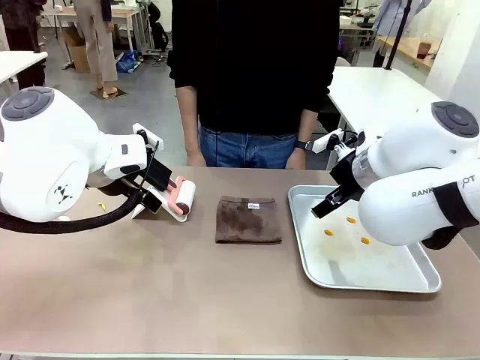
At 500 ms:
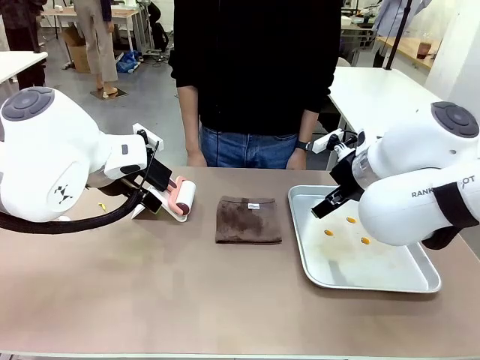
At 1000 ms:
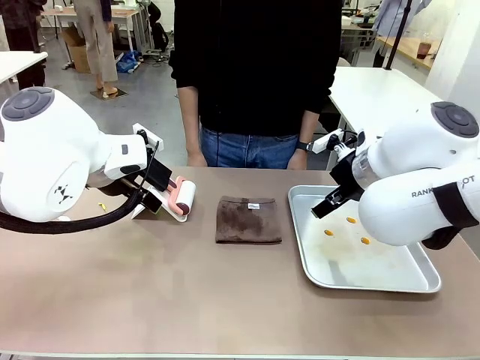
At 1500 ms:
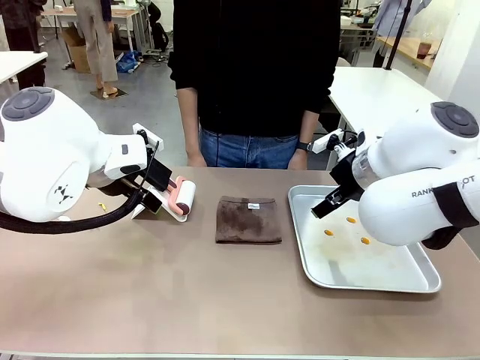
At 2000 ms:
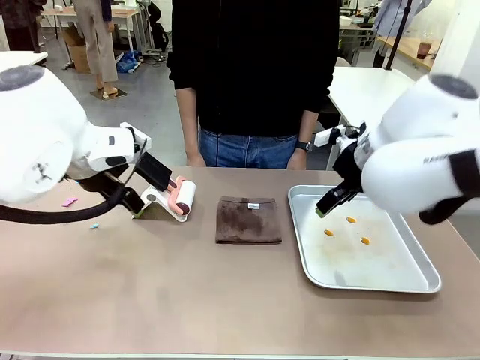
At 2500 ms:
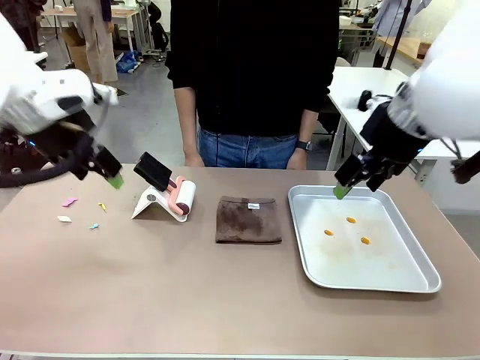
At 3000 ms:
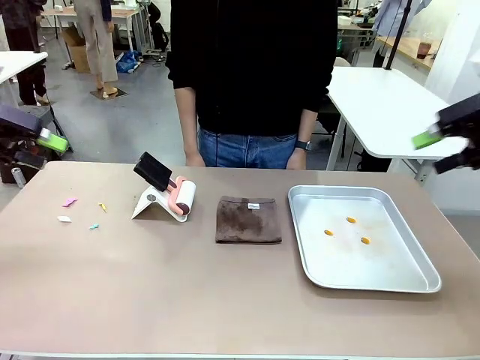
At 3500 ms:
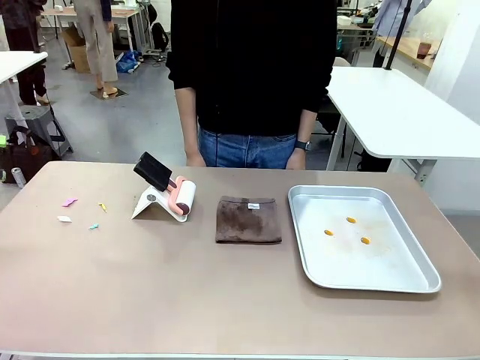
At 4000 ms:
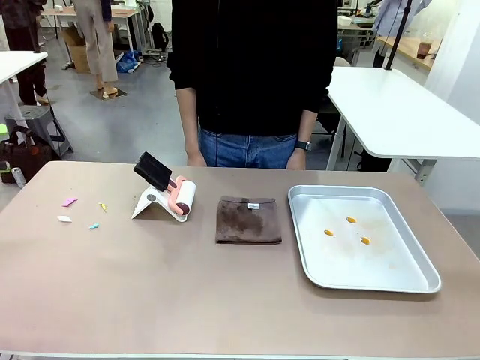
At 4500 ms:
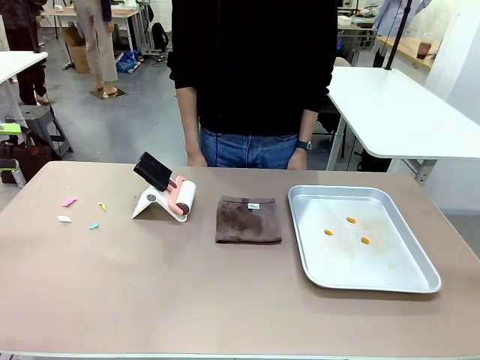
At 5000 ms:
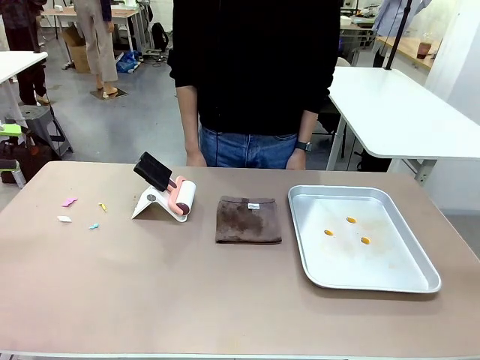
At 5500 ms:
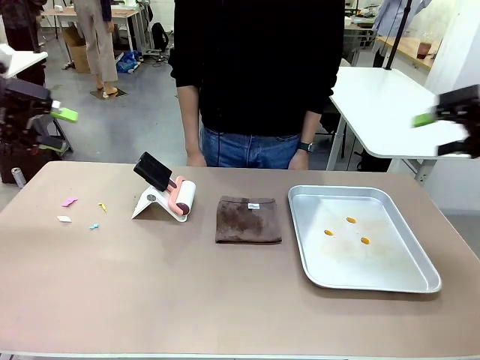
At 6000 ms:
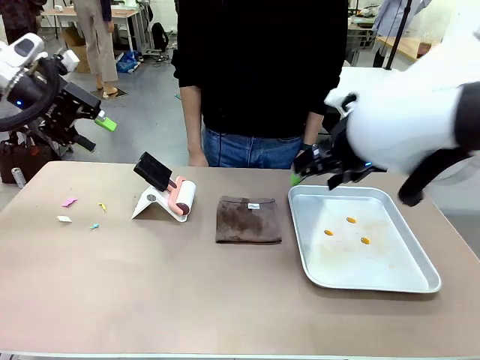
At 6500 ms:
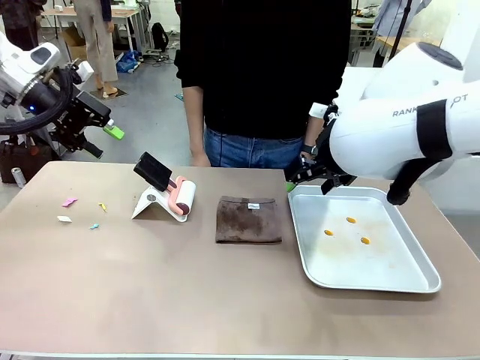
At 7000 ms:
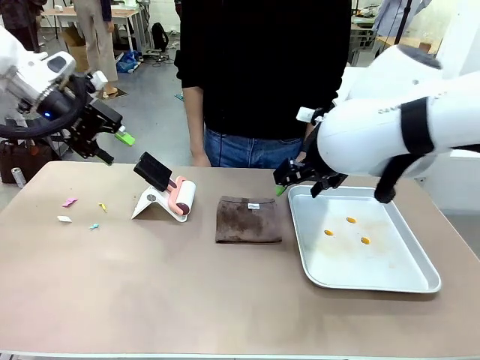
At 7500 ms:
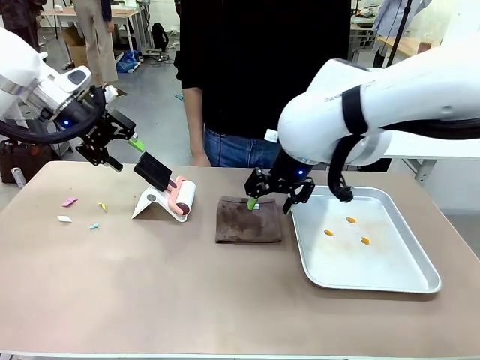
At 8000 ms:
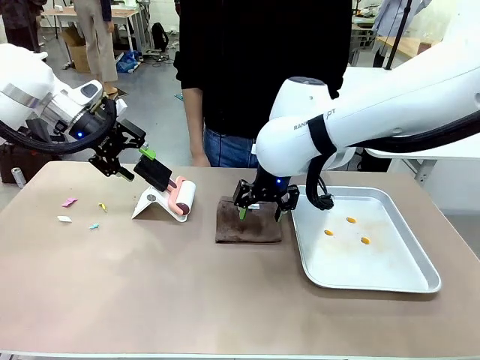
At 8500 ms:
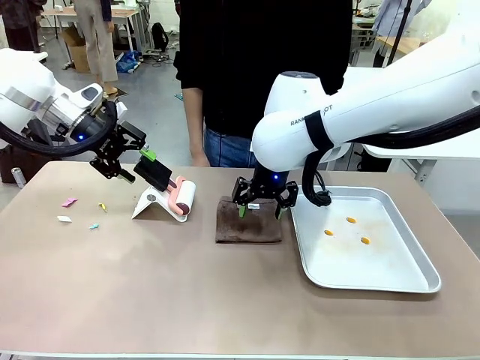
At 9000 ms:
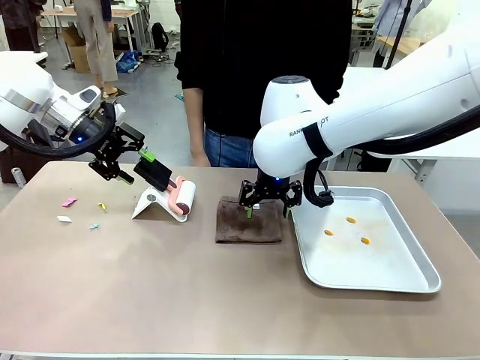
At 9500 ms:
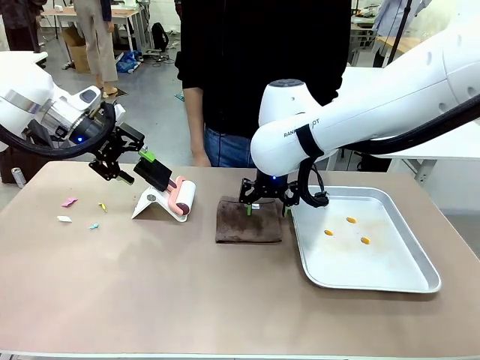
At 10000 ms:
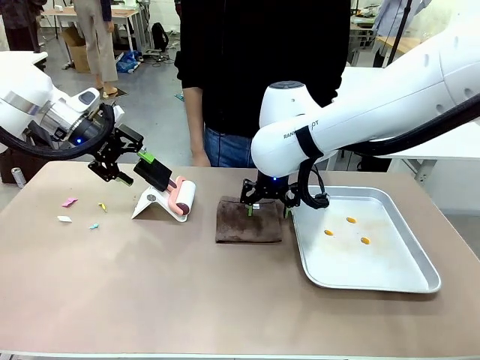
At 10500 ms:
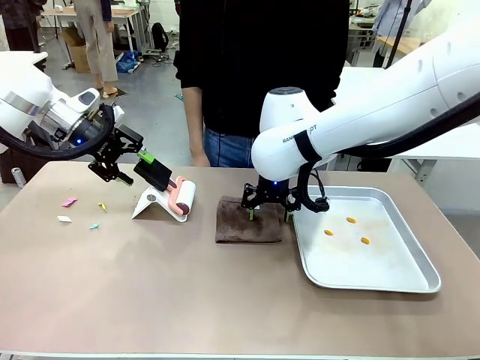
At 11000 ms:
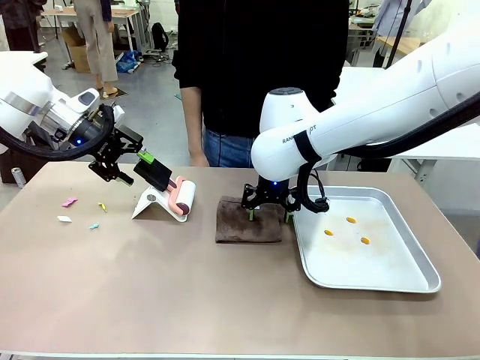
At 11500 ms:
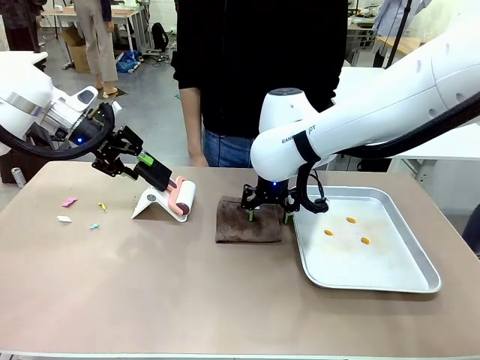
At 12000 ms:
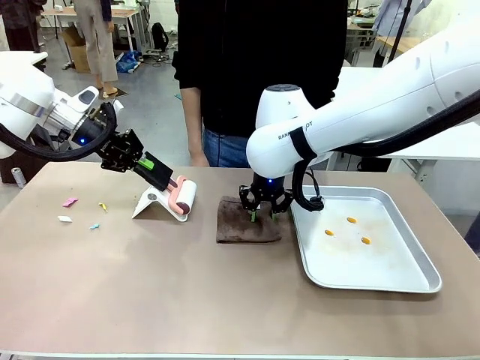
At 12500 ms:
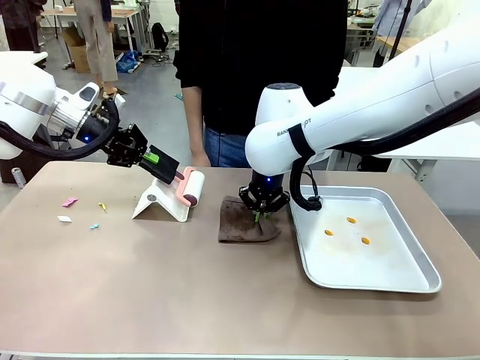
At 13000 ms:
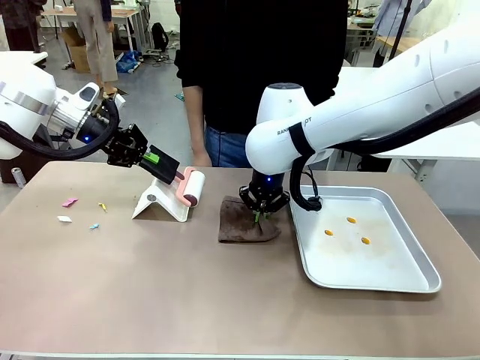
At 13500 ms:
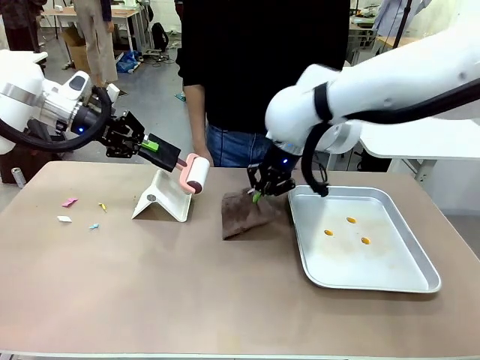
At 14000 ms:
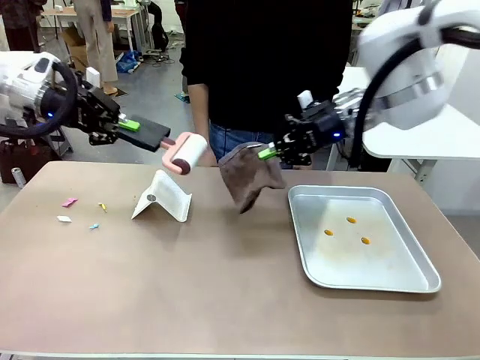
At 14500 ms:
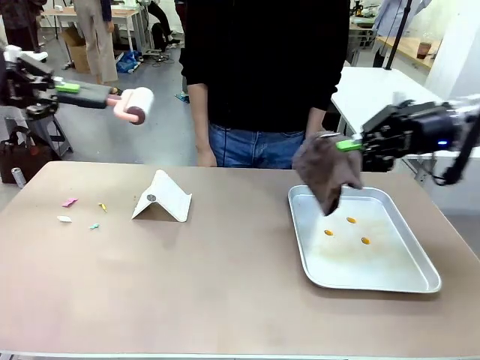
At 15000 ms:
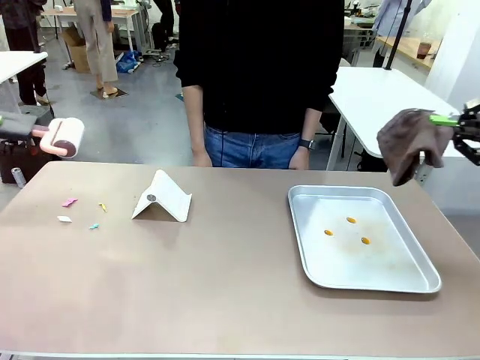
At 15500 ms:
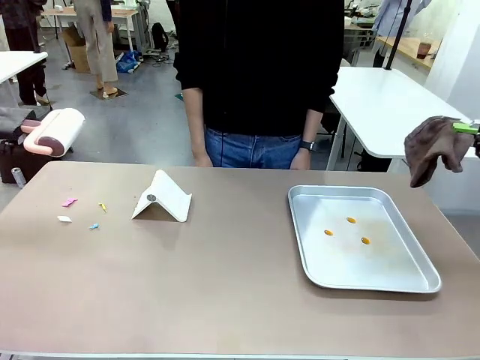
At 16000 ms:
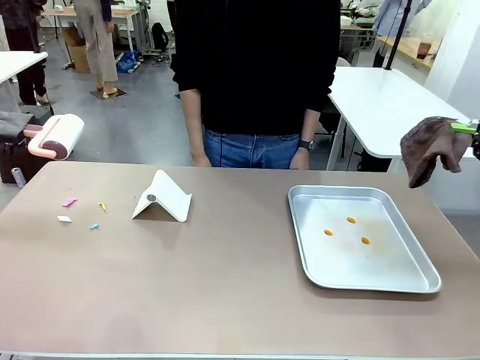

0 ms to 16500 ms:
Task: Clean the surface of the table.
Robot: Hold the Lint Roller with your left hand and the towel with your right hand.

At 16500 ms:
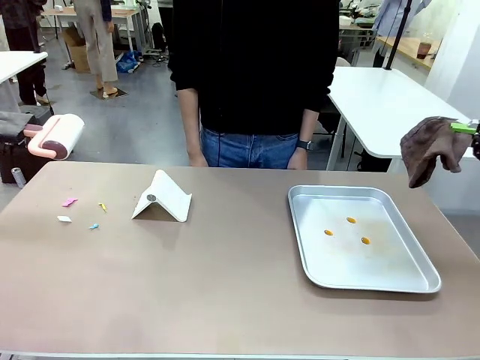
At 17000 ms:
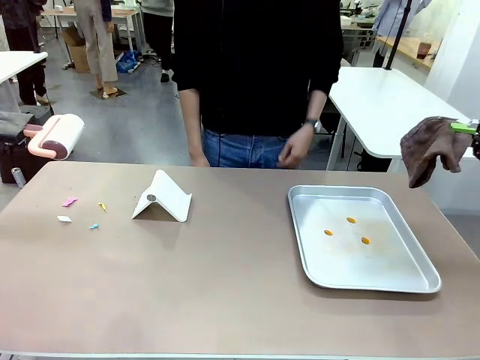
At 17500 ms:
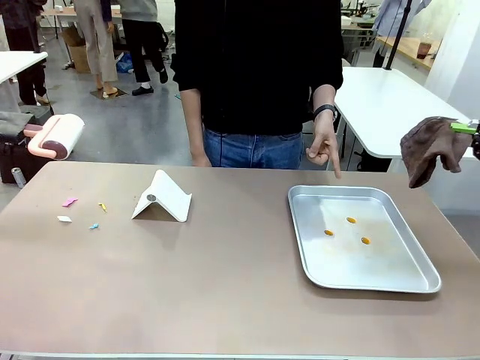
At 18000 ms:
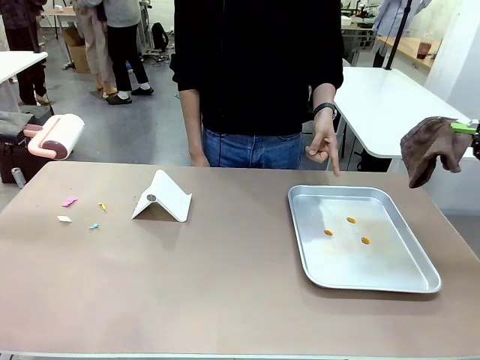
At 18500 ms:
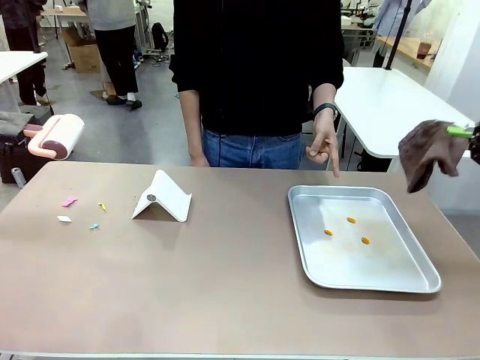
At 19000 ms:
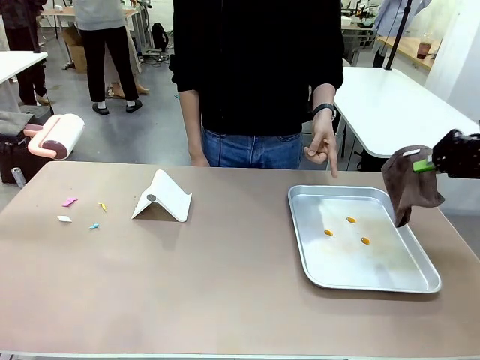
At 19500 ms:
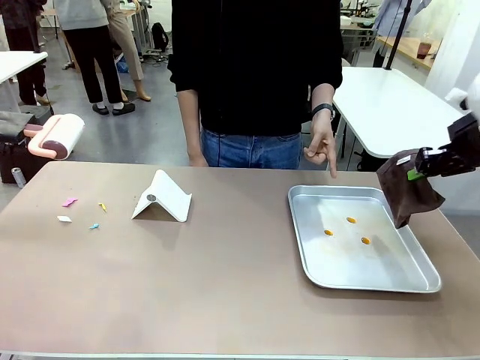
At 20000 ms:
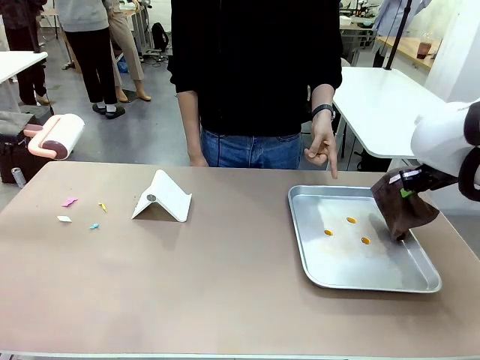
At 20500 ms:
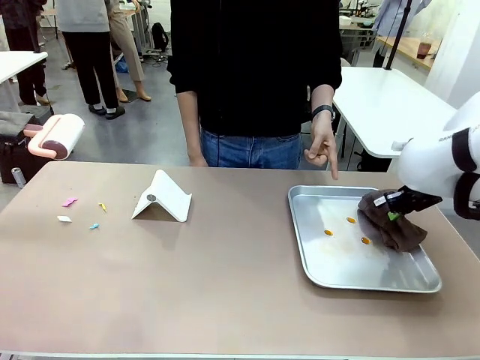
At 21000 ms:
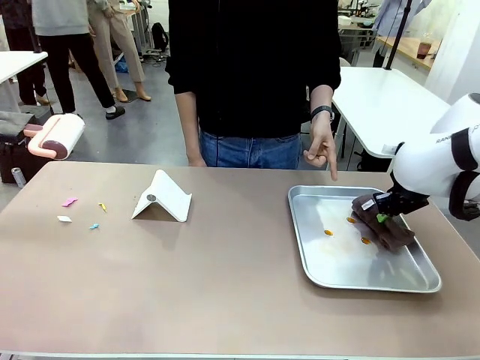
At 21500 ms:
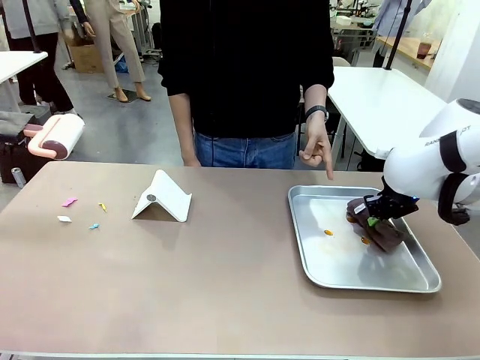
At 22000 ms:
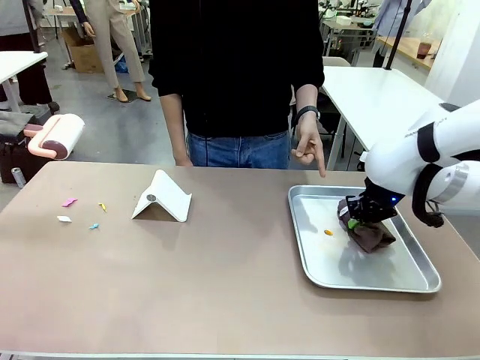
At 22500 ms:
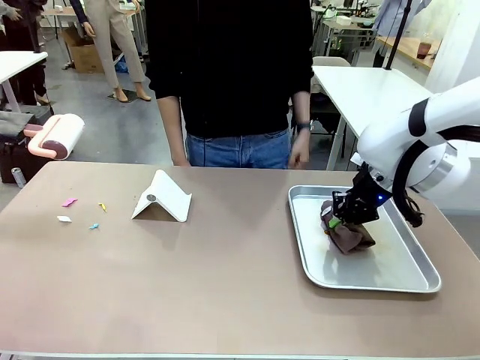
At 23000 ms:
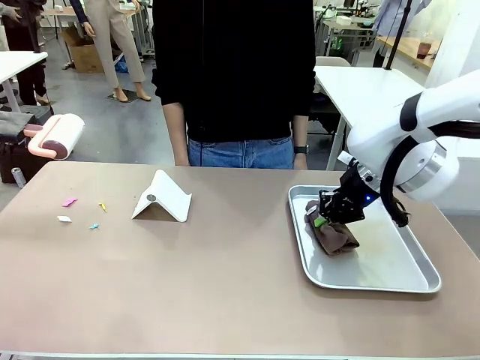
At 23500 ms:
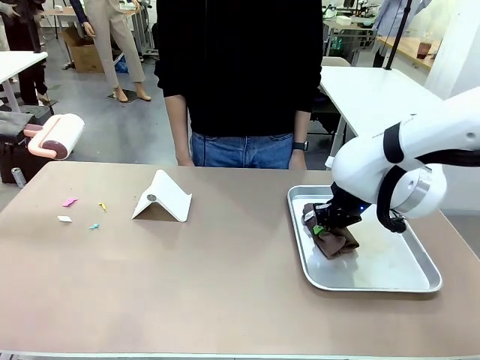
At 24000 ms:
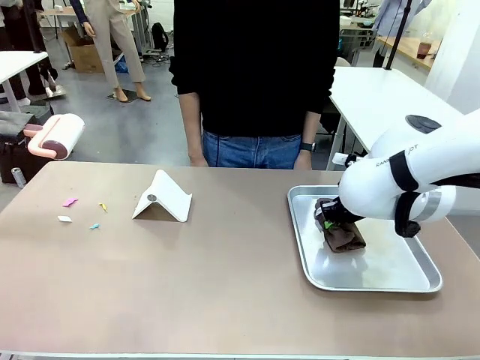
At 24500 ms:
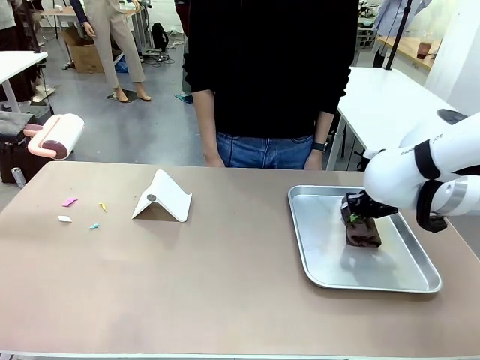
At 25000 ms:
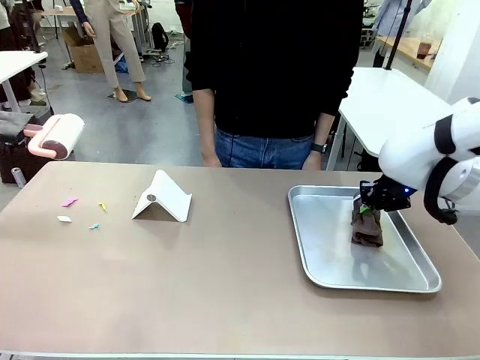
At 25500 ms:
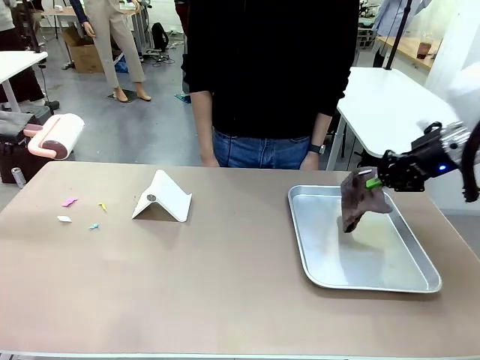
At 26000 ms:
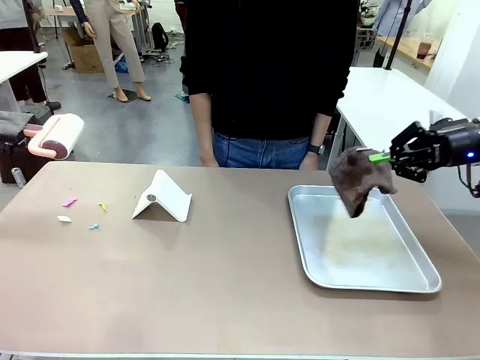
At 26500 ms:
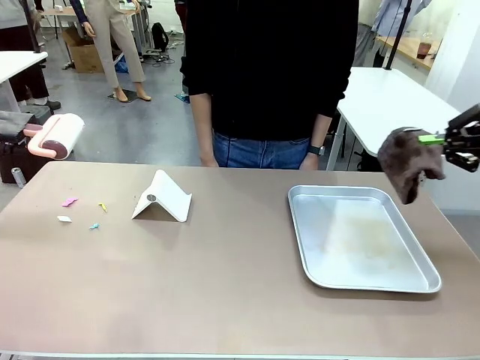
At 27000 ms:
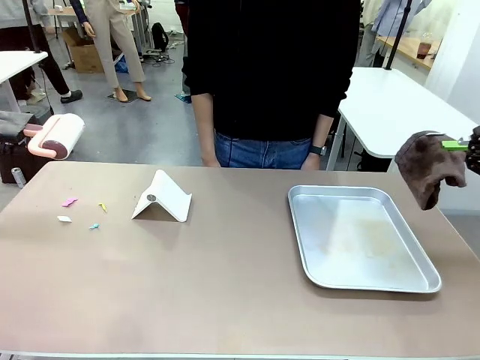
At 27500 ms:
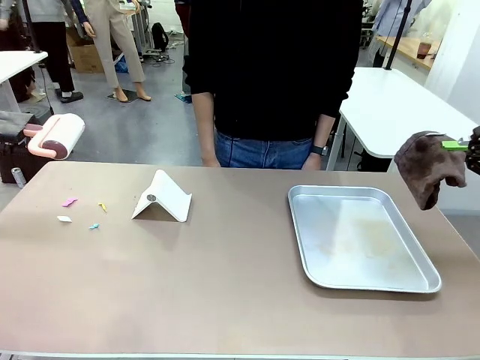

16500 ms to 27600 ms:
Robot: If a person points to the right, clean the right side of the table with your right hand, and if they point to the left, clean the left side with your left hand.
